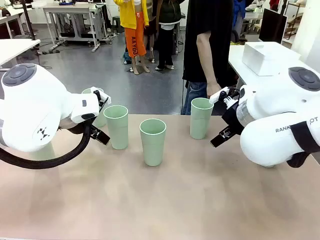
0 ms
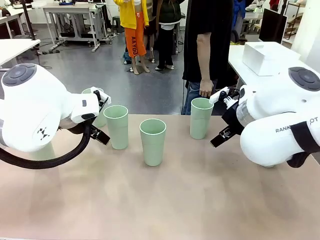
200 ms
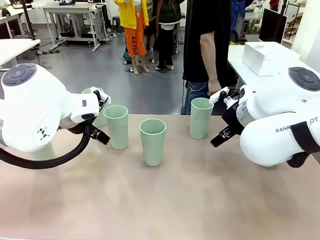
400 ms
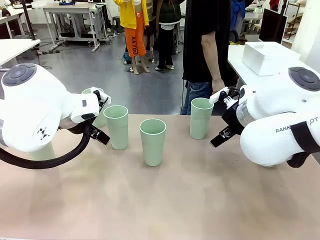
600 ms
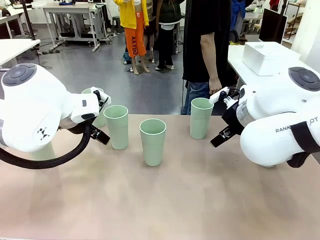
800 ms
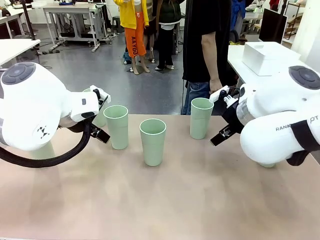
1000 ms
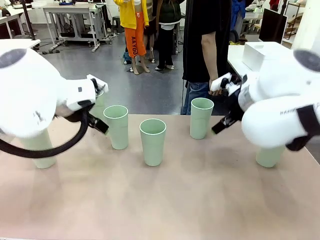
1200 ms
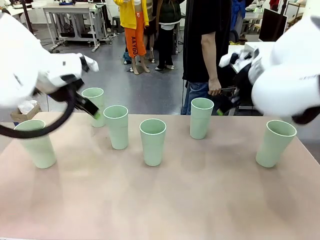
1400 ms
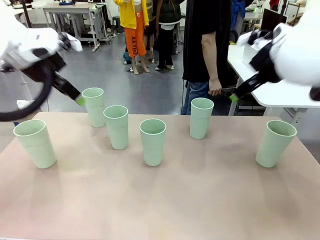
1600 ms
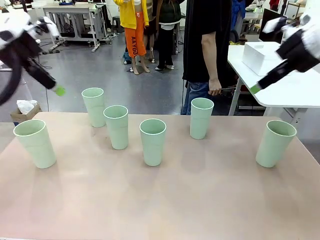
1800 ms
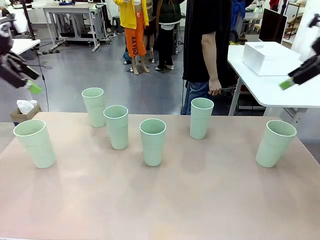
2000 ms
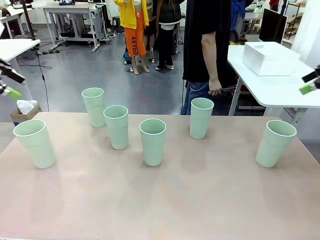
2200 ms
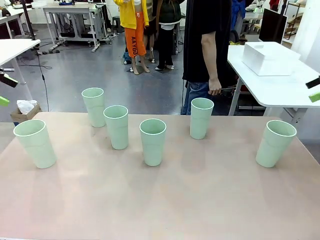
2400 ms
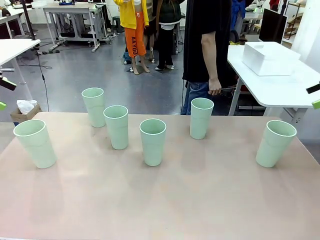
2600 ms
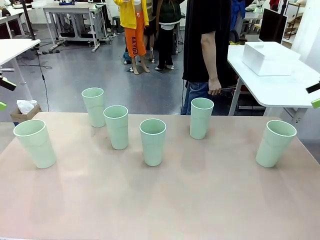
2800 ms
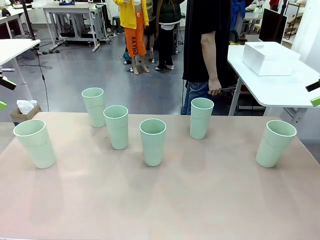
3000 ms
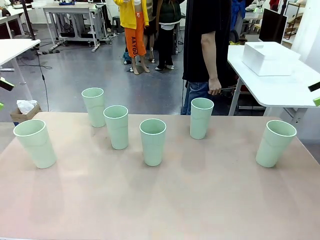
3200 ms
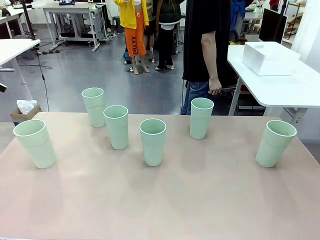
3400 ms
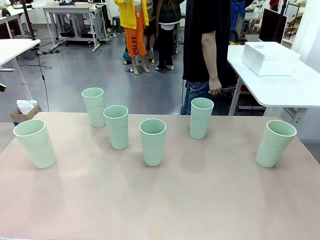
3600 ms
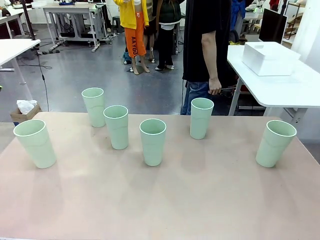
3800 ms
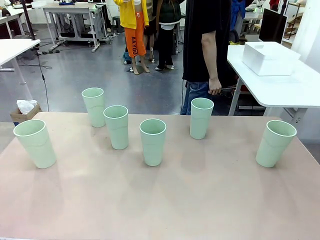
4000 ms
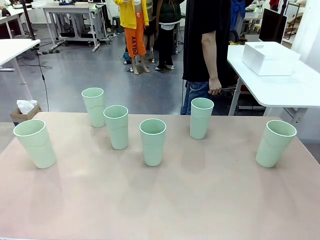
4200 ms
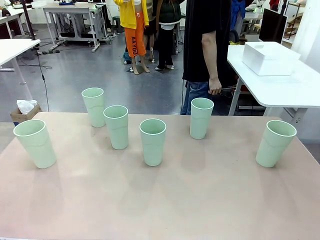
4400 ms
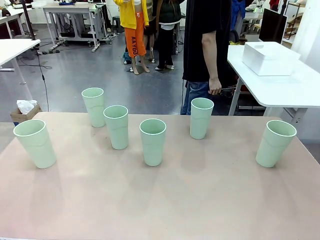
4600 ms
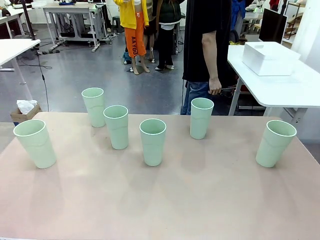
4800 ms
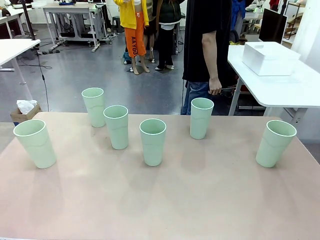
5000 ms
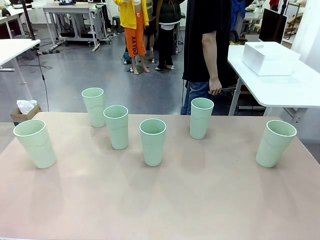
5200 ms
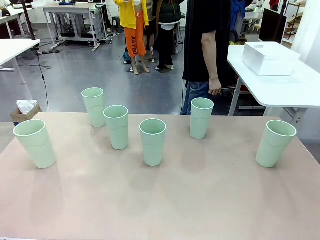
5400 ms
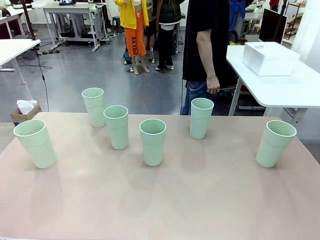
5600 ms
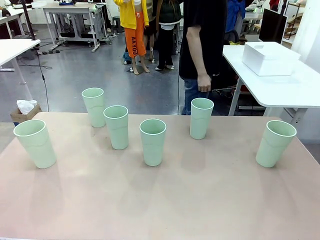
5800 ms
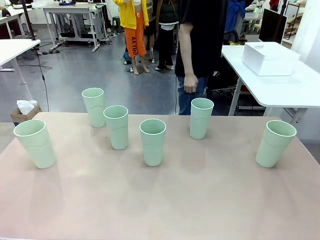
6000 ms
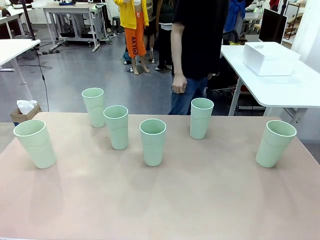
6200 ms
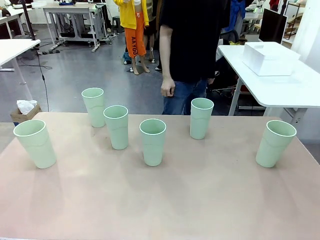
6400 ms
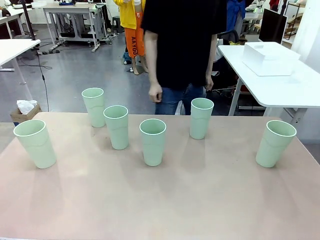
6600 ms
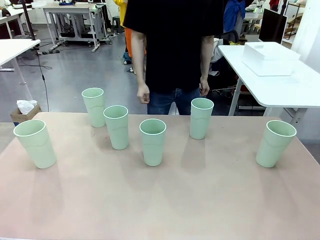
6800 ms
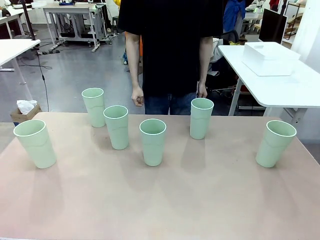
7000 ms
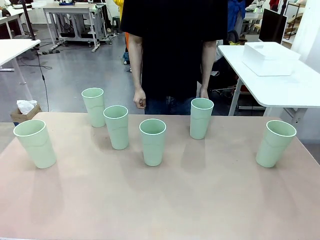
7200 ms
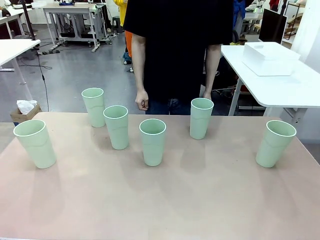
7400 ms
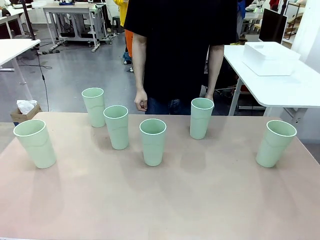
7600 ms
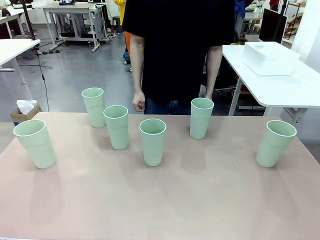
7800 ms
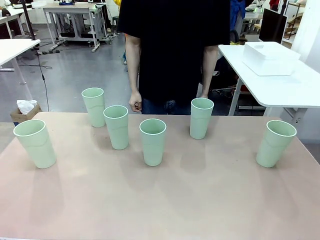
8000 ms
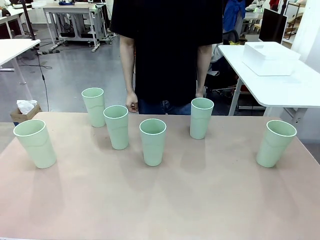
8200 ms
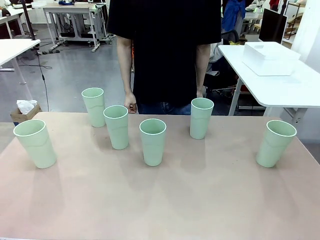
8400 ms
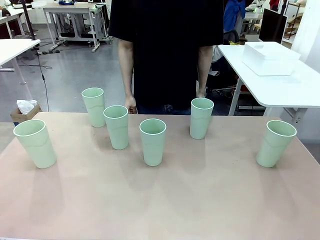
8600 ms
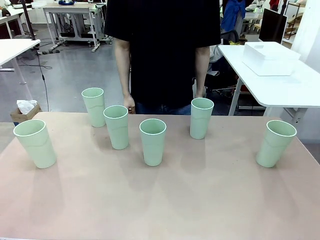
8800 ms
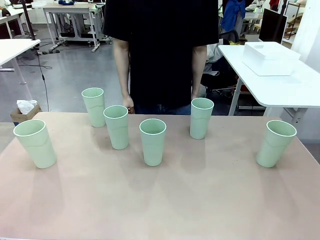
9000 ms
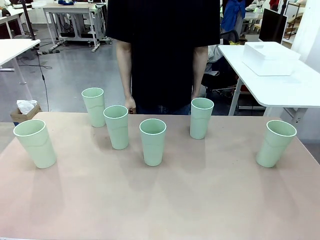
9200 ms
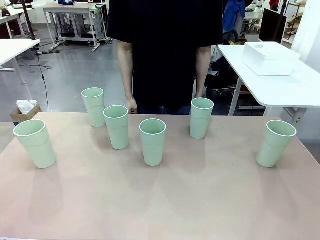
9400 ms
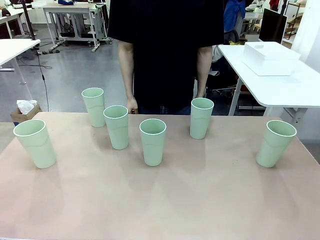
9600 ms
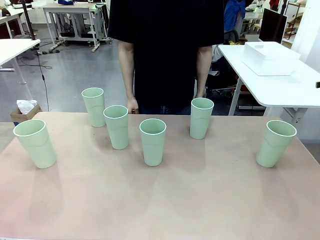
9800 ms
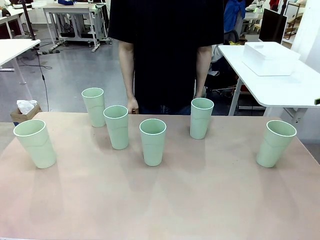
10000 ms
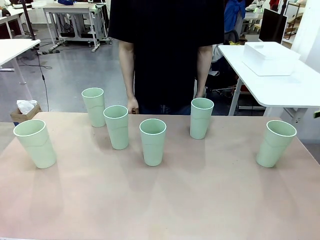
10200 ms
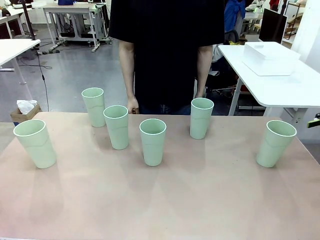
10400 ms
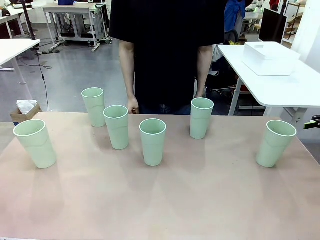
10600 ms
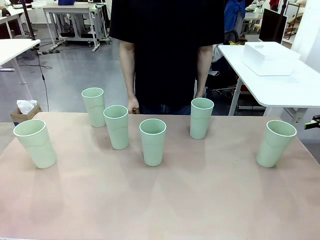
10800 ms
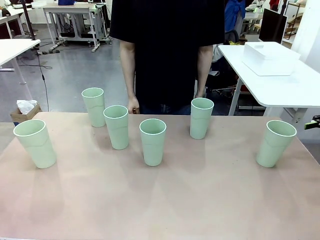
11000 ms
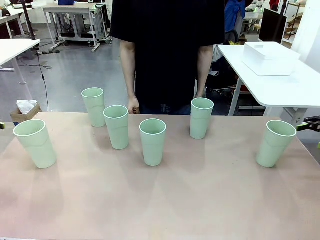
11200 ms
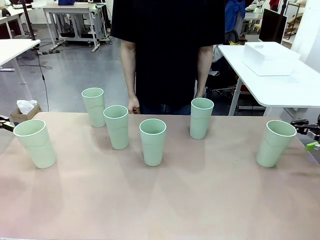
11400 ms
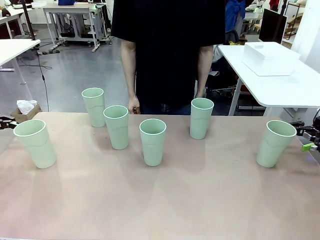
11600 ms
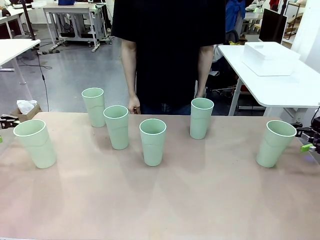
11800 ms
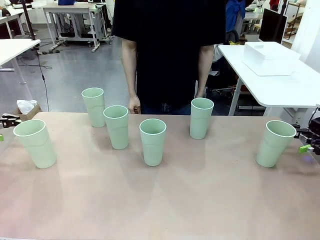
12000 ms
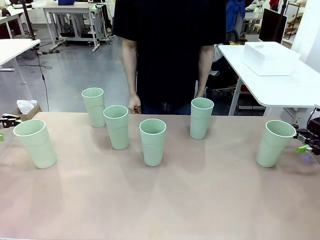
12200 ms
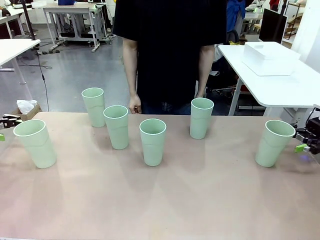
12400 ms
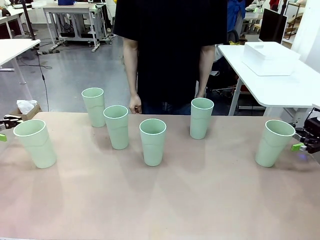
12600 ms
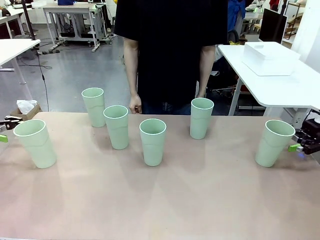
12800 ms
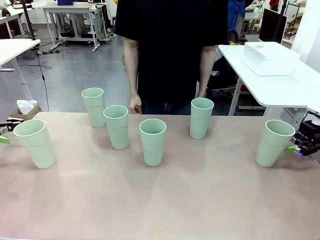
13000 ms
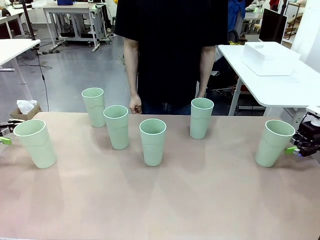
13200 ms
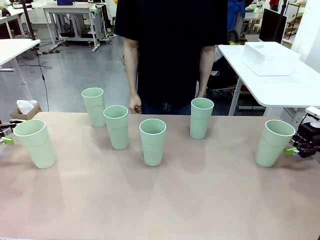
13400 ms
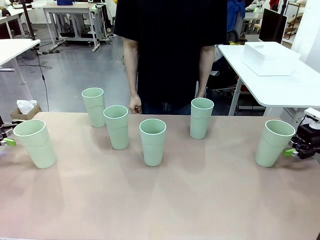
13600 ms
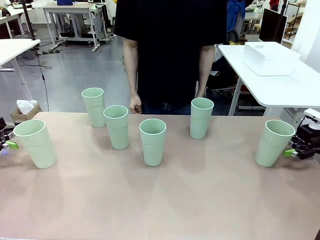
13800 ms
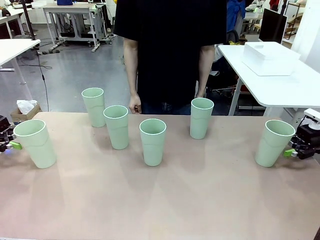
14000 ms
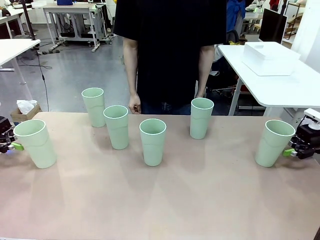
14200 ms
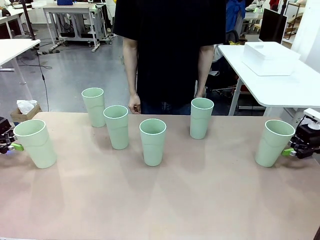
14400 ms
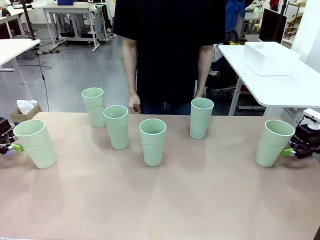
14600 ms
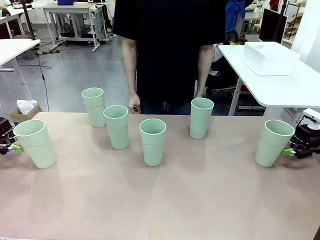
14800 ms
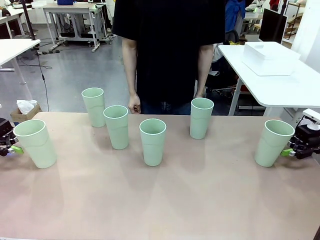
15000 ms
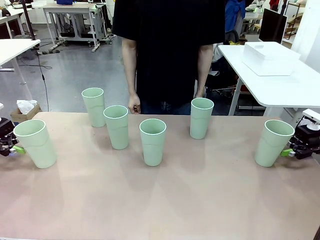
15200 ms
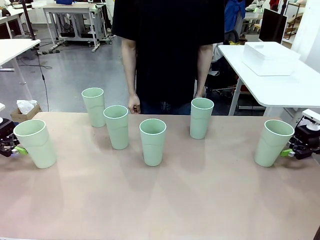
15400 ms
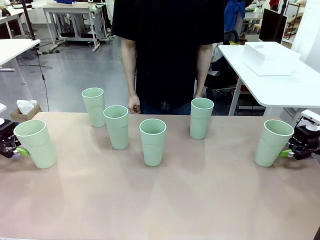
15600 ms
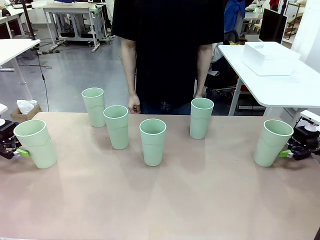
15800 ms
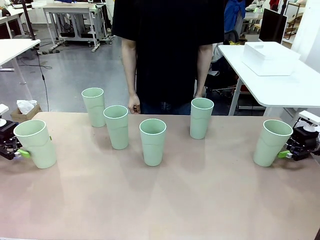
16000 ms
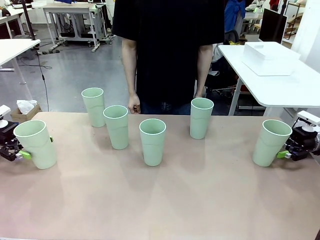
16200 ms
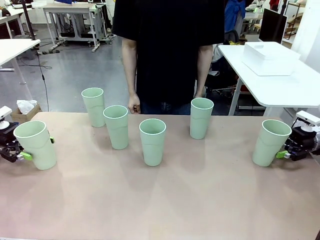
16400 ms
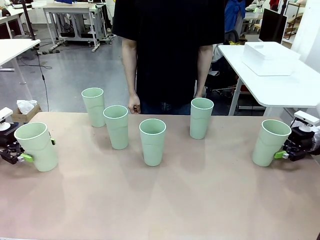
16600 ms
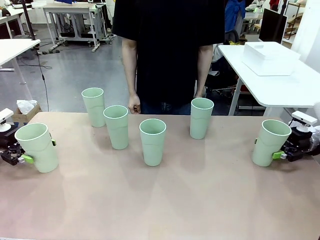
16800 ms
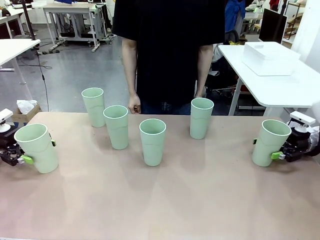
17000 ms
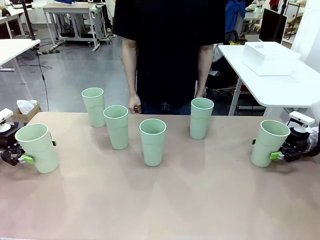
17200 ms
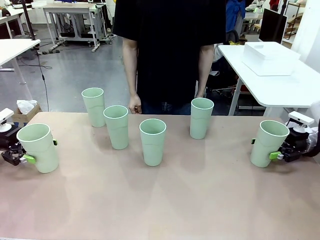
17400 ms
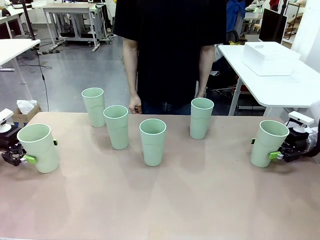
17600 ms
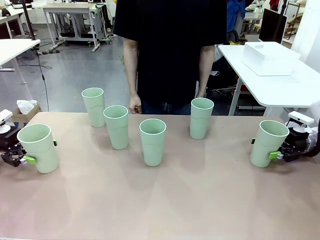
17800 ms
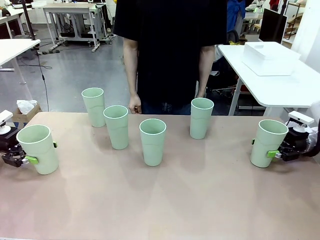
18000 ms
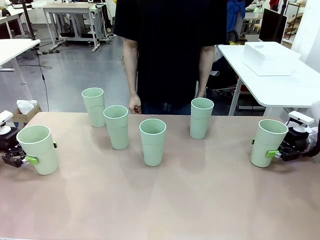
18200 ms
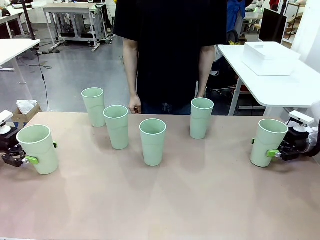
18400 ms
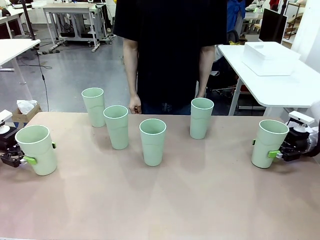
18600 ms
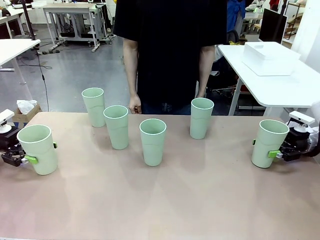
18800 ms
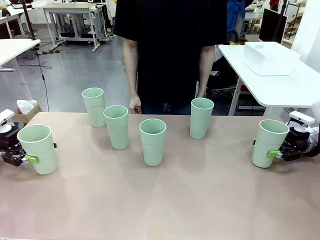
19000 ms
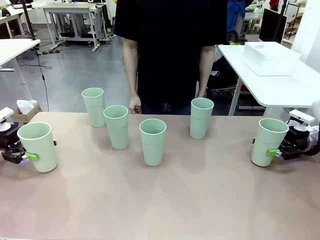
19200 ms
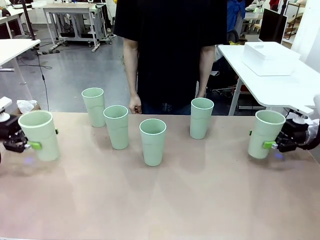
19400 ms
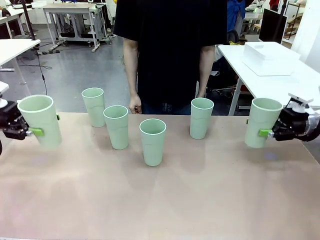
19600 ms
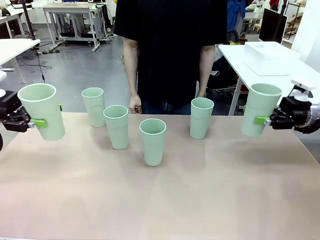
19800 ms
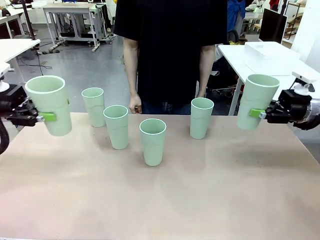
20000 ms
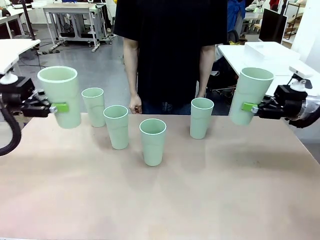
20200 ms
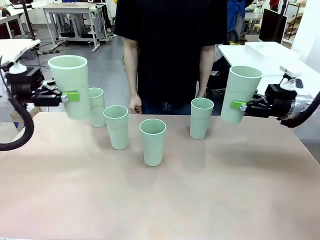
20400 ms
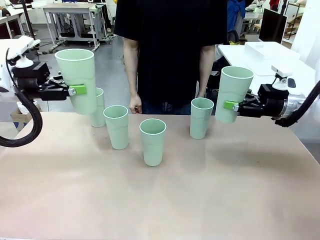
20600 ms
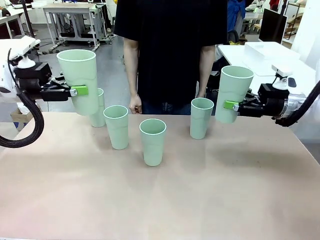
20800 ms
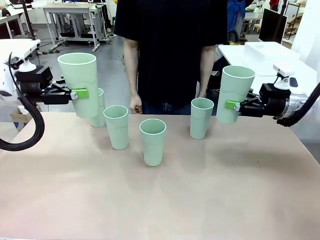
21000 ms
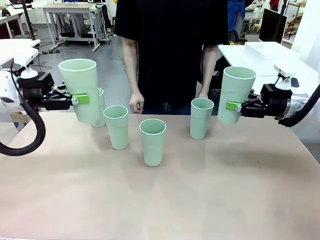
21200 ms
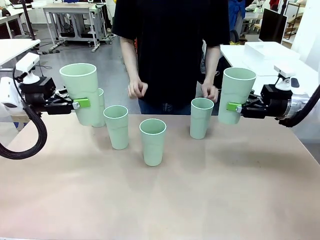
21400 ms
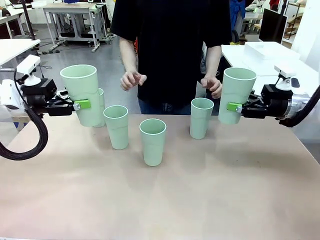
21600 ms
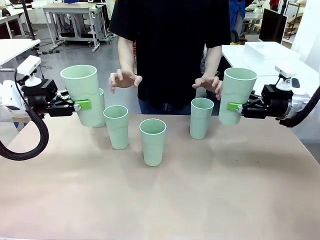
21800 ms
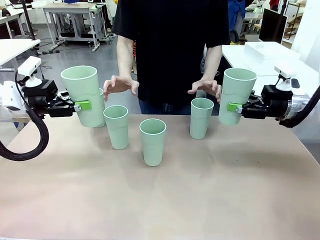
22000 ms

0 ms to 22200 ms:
Task: Stack the cups and store them in the basket.
Robot: Pick up two Reusable plastic cups , one in each hand.
Person: Move from the Human Table to the front of the Robot Table. Stack two of the remaining cups on top of each cup held by the robot.
